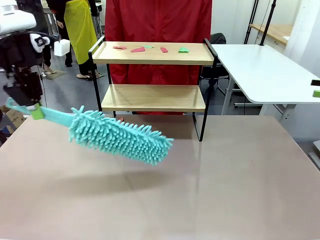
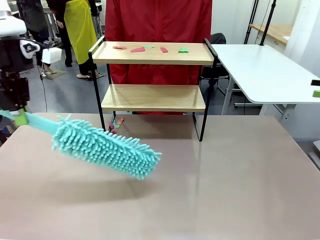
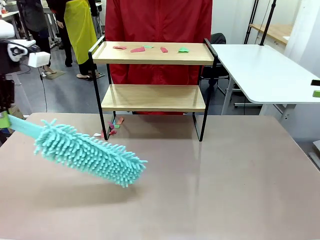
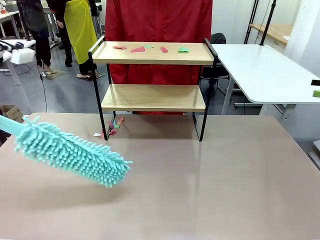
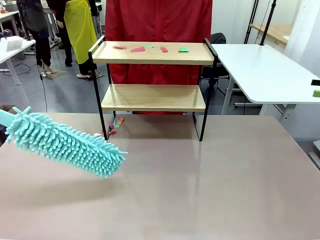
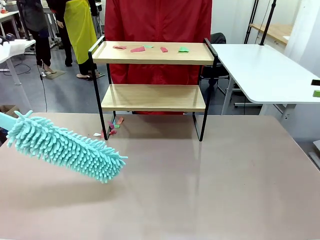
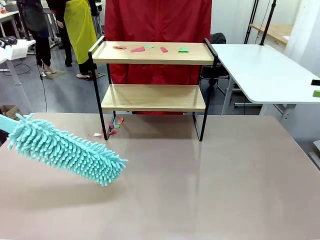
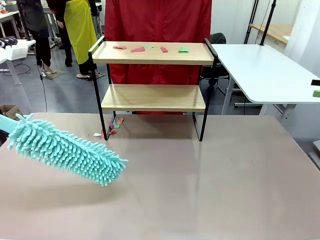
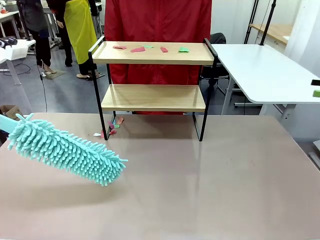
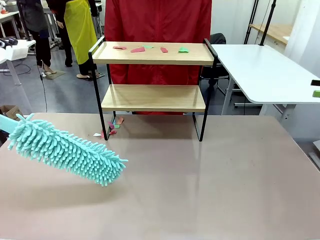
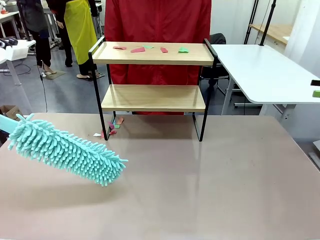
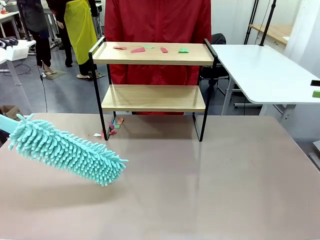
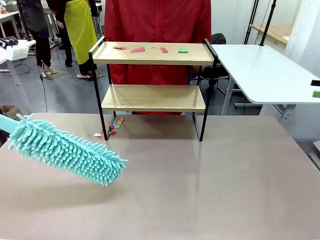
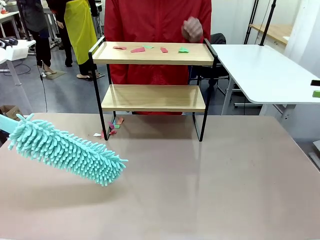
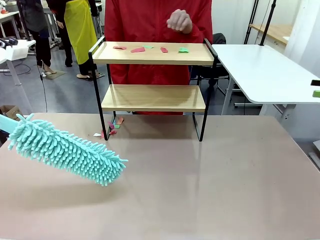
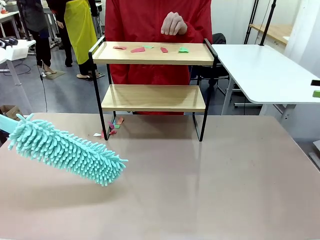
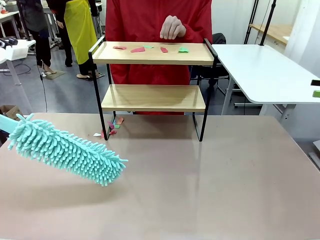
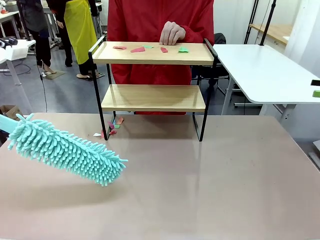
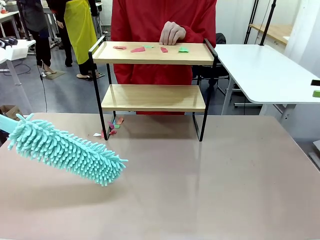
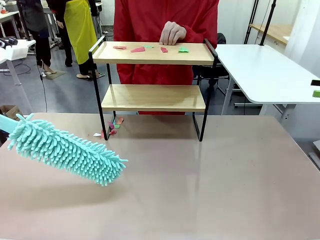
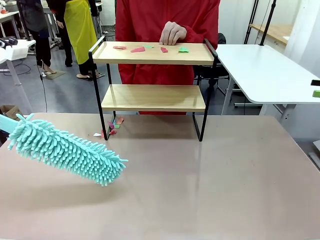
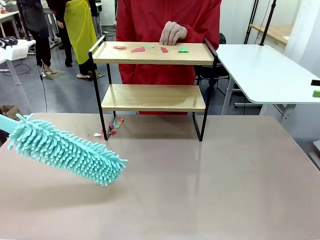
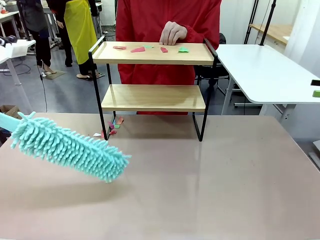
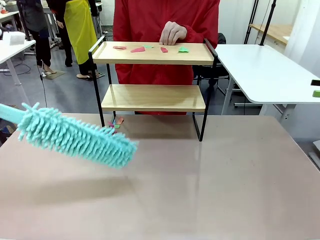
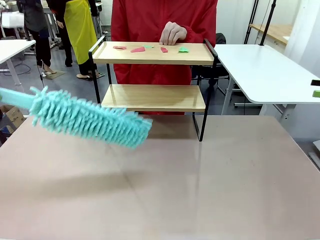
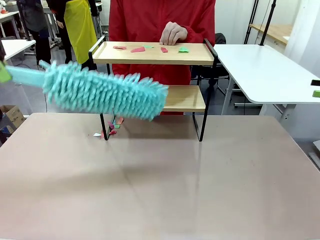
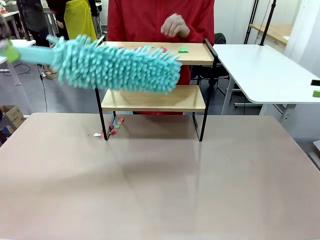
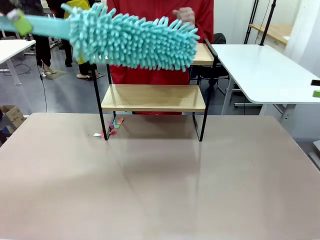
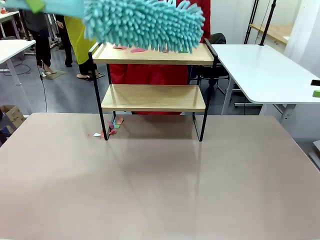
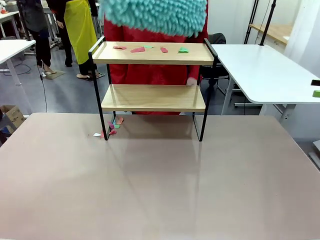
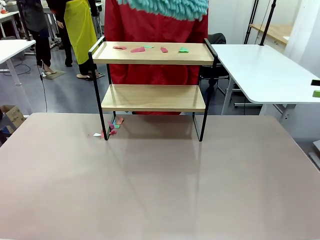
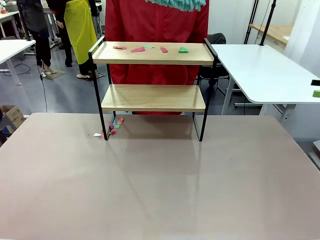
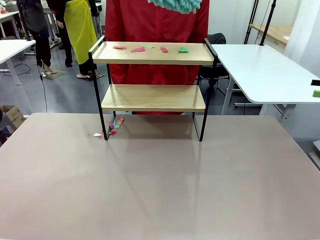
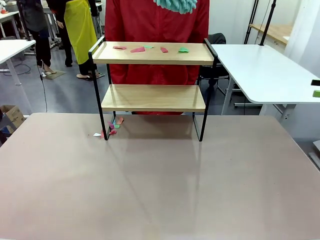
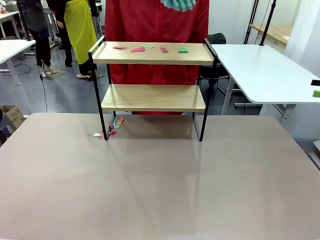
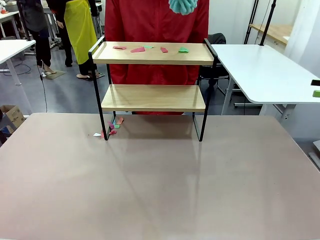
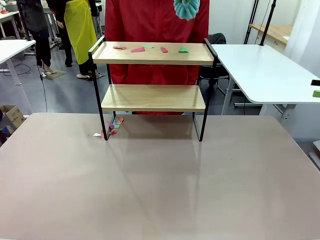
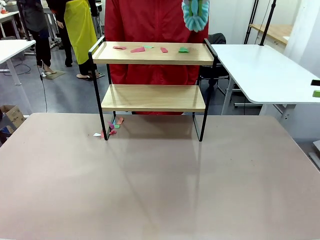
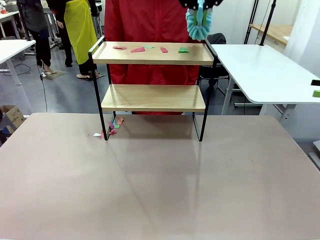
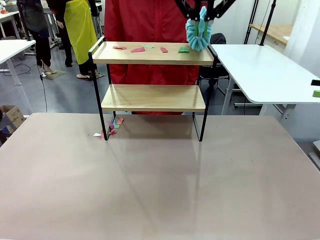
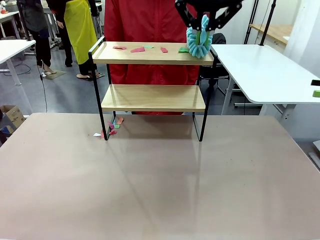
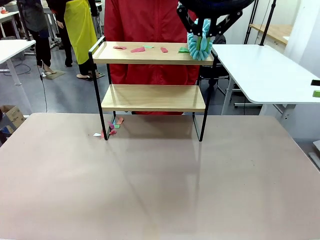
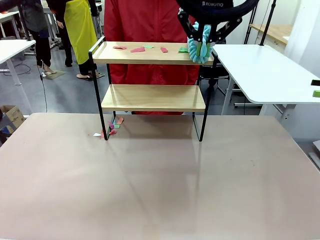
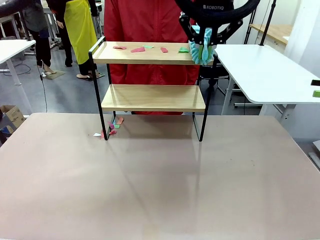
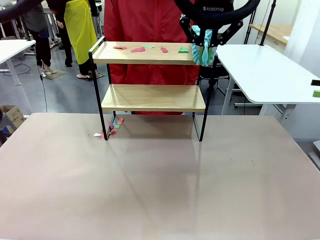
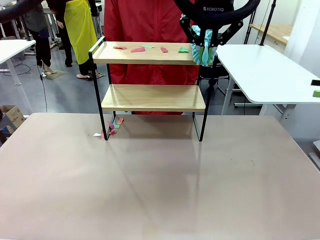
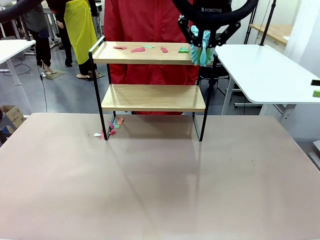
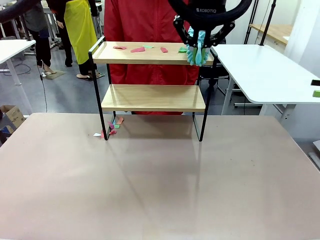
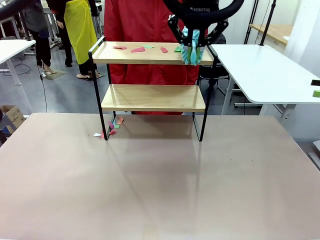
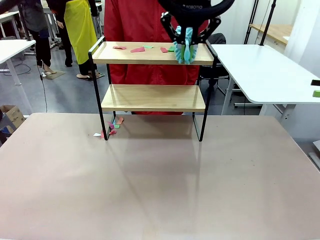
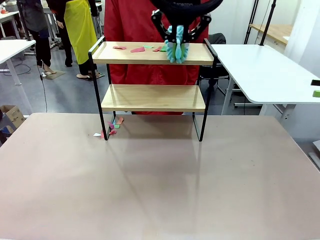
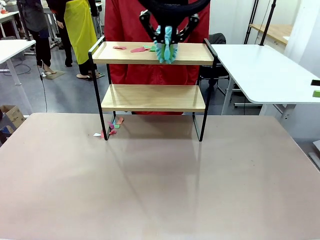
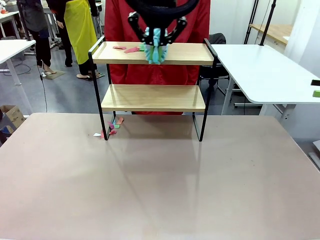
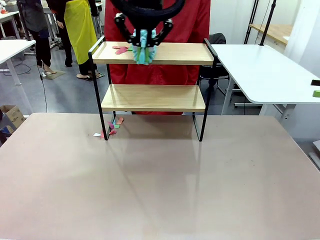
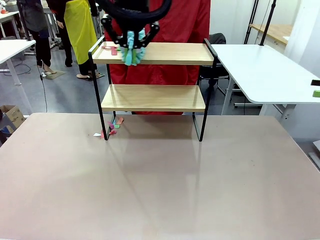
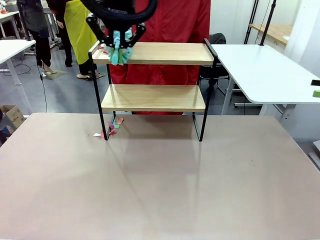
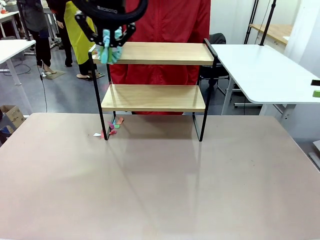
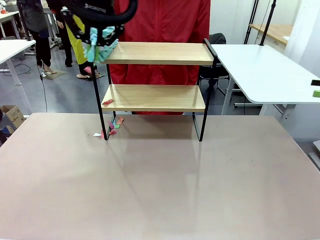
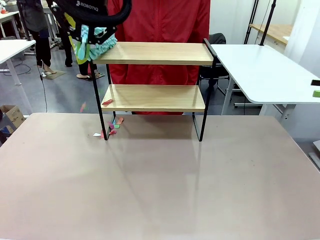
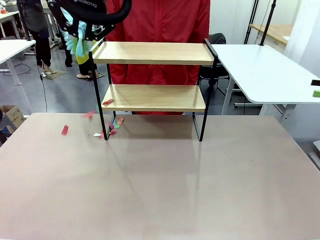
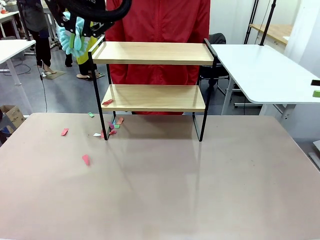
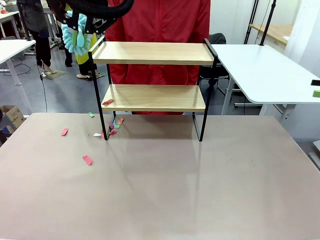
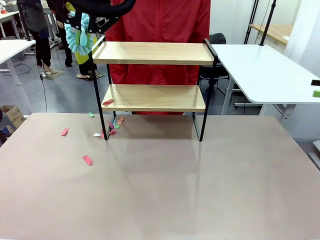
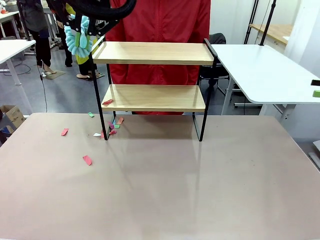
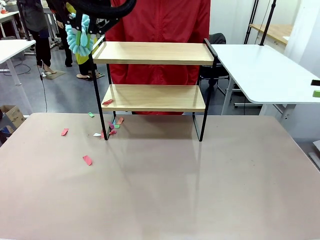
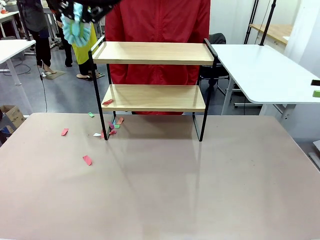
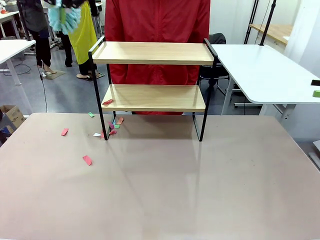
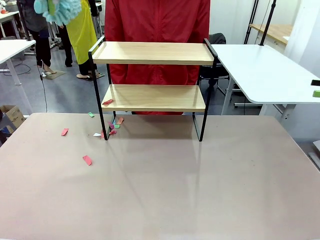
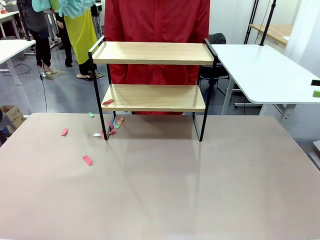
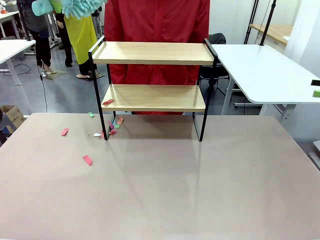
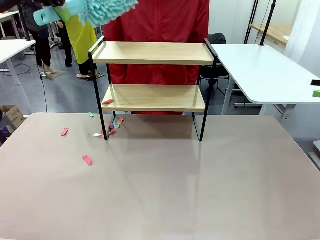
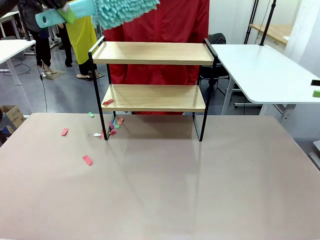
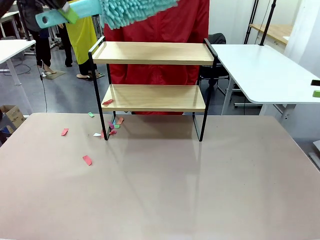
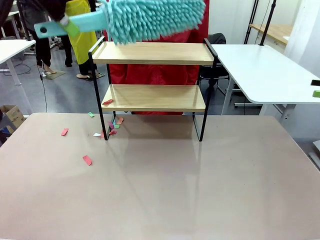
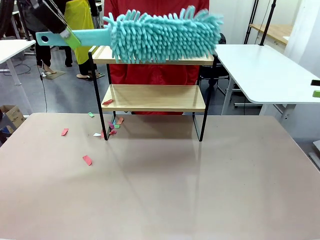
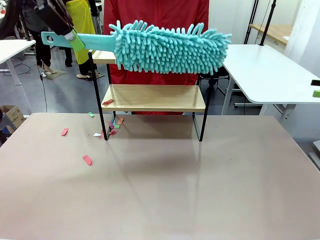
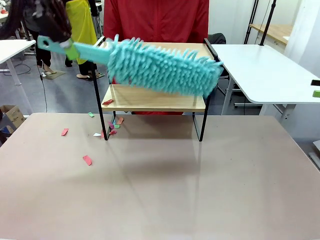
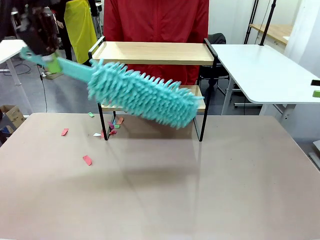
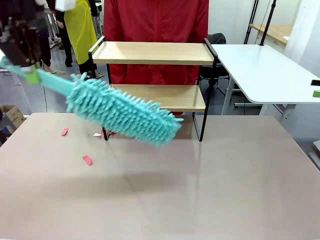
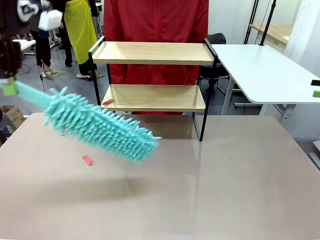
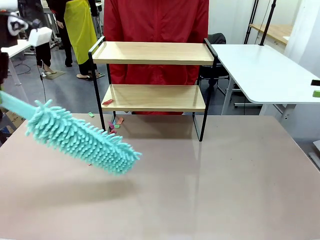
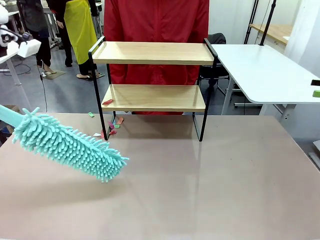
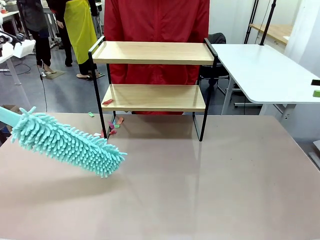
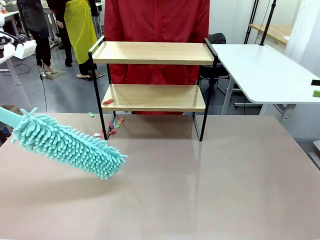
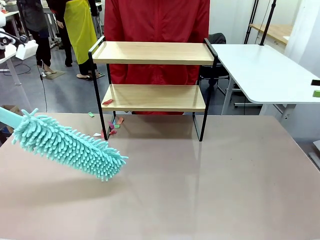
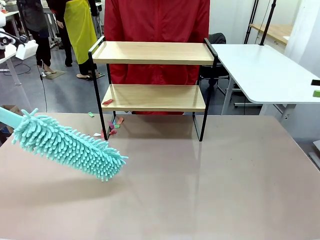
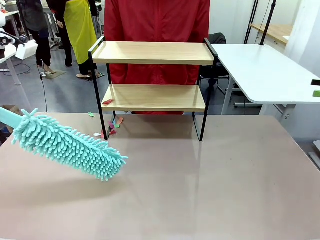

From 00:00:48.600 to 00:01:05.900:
Task: Clean the shelf.
Robot: Clean the specific section of the Shelf indicated by the human with the Duster.
